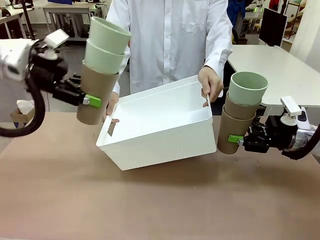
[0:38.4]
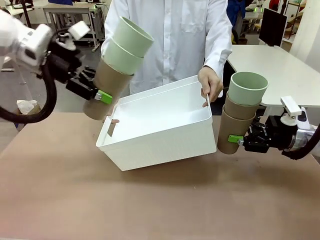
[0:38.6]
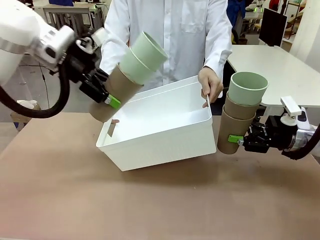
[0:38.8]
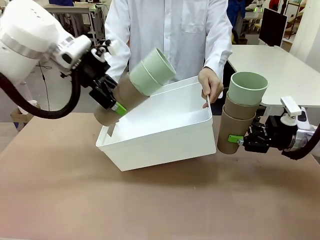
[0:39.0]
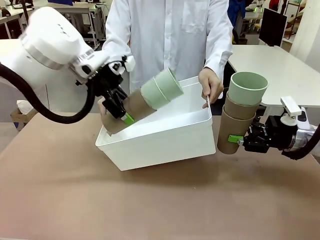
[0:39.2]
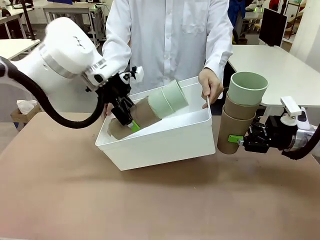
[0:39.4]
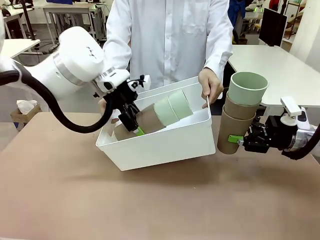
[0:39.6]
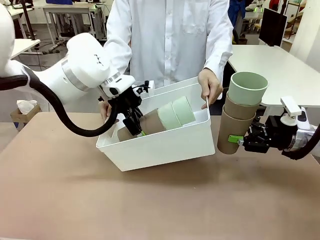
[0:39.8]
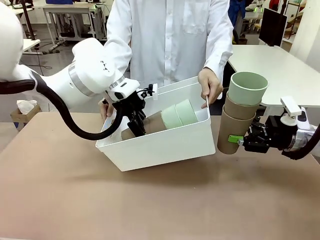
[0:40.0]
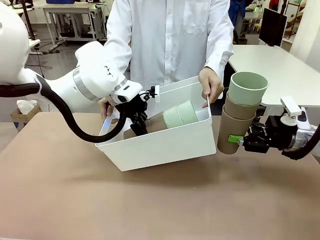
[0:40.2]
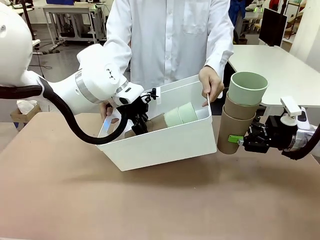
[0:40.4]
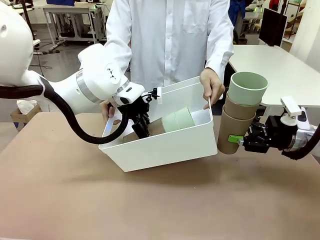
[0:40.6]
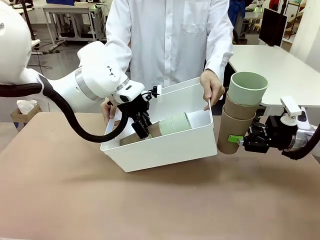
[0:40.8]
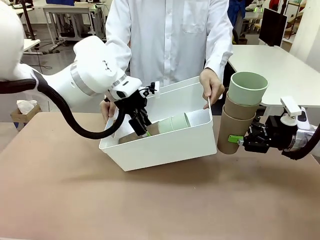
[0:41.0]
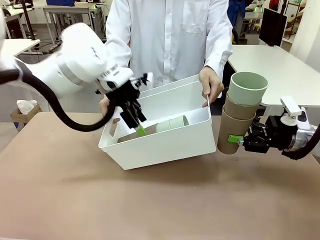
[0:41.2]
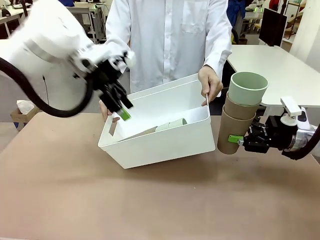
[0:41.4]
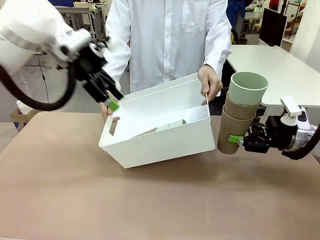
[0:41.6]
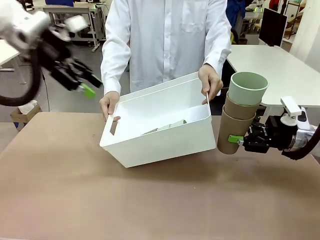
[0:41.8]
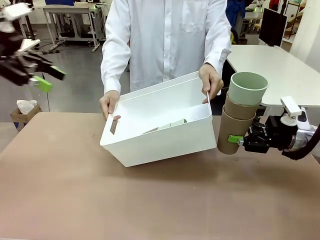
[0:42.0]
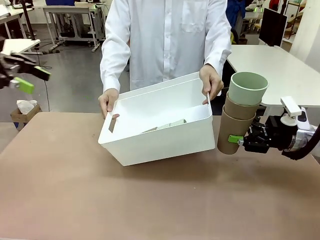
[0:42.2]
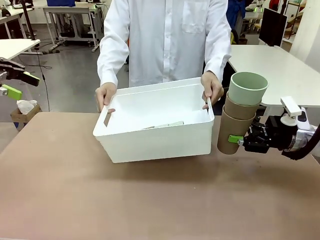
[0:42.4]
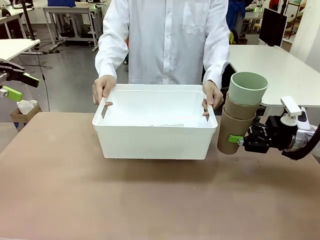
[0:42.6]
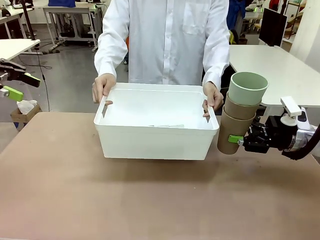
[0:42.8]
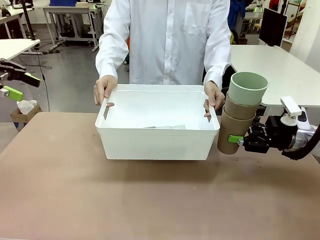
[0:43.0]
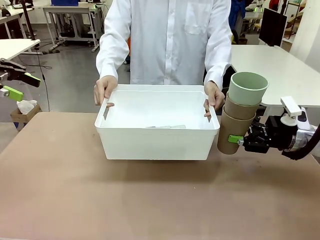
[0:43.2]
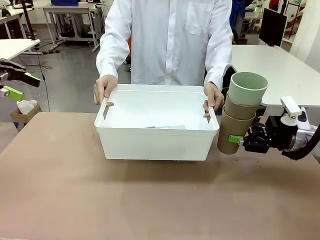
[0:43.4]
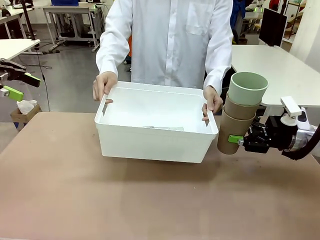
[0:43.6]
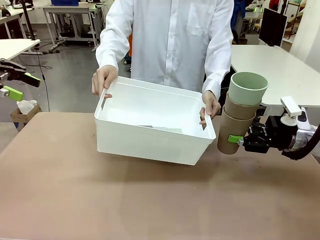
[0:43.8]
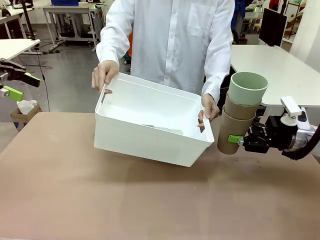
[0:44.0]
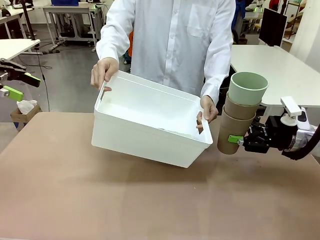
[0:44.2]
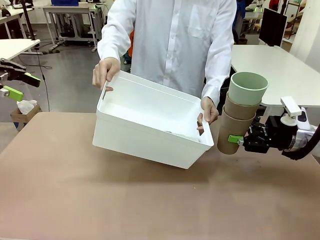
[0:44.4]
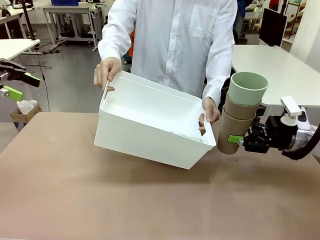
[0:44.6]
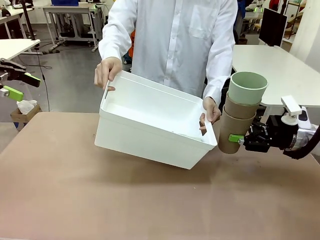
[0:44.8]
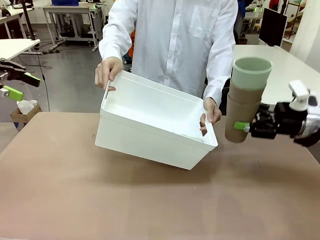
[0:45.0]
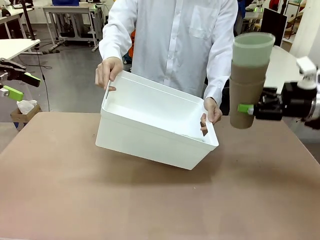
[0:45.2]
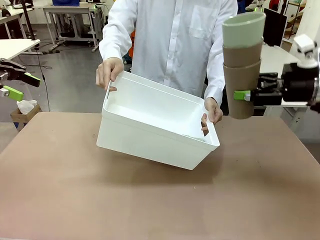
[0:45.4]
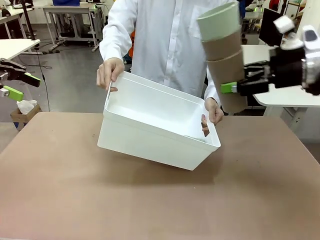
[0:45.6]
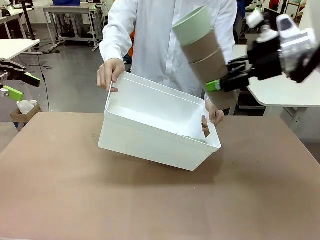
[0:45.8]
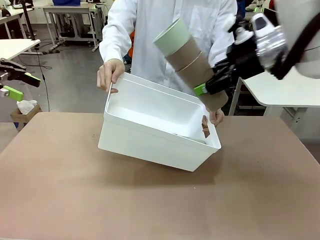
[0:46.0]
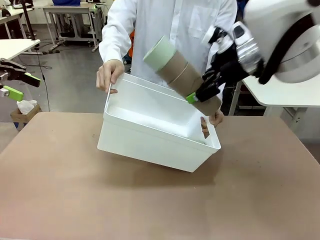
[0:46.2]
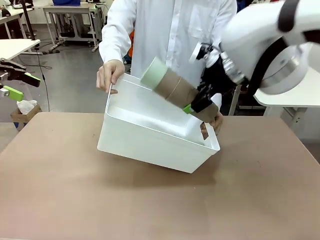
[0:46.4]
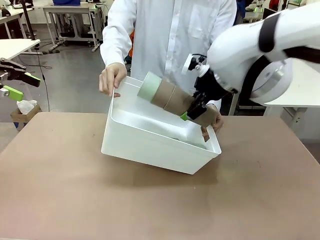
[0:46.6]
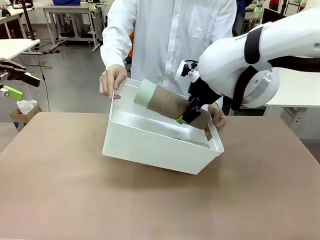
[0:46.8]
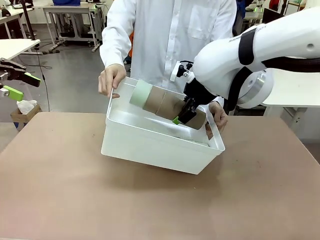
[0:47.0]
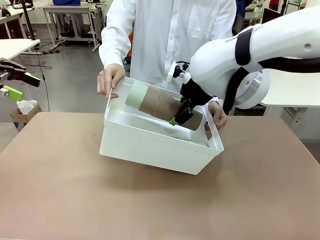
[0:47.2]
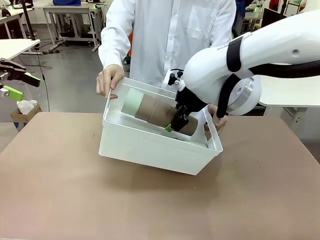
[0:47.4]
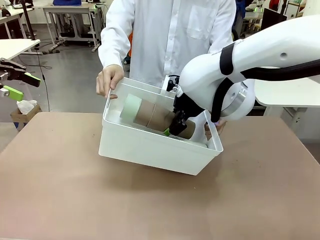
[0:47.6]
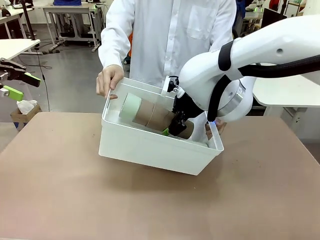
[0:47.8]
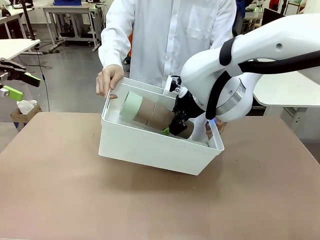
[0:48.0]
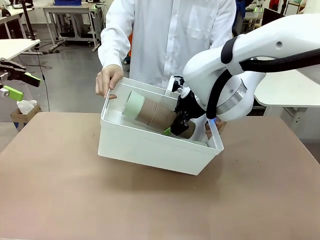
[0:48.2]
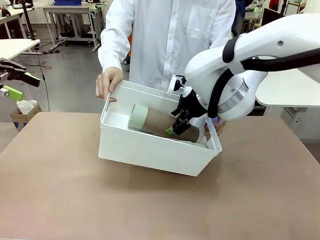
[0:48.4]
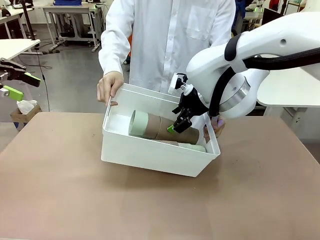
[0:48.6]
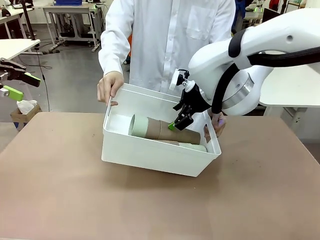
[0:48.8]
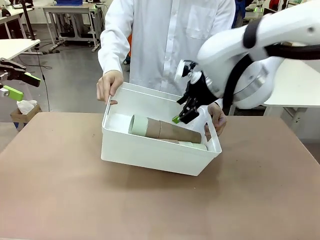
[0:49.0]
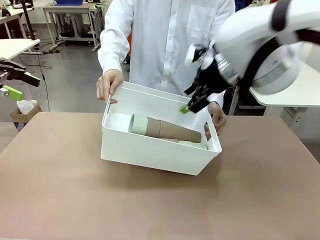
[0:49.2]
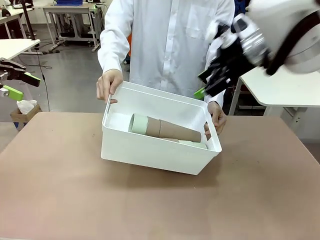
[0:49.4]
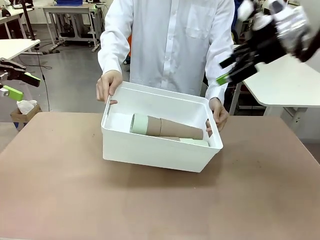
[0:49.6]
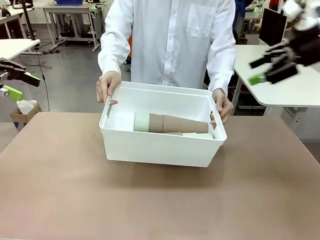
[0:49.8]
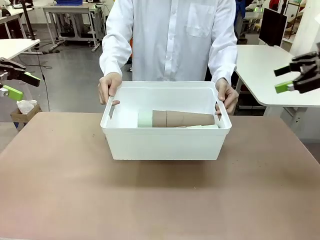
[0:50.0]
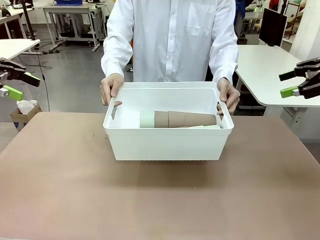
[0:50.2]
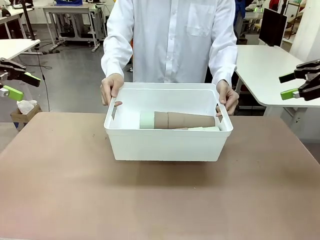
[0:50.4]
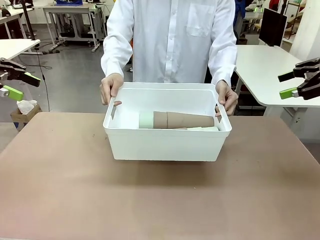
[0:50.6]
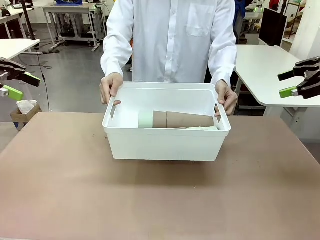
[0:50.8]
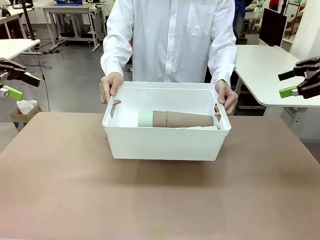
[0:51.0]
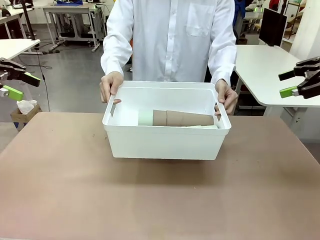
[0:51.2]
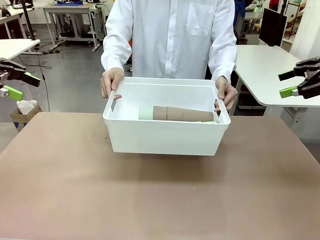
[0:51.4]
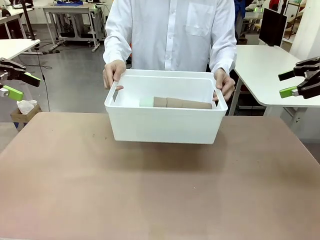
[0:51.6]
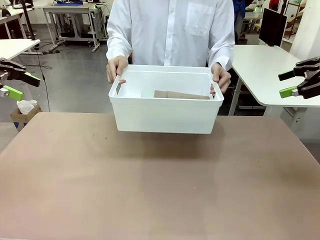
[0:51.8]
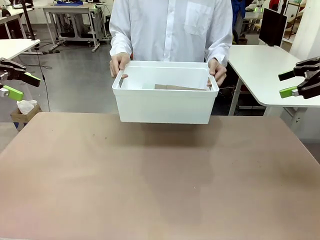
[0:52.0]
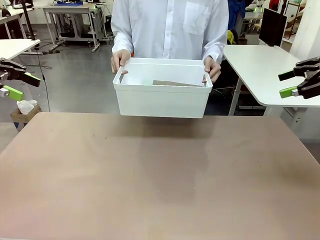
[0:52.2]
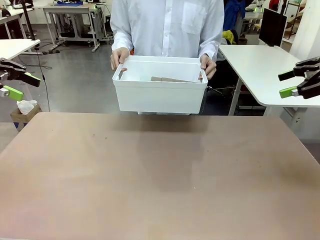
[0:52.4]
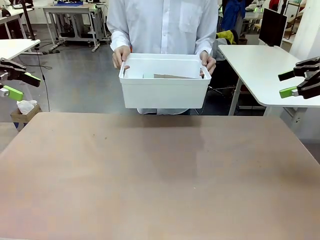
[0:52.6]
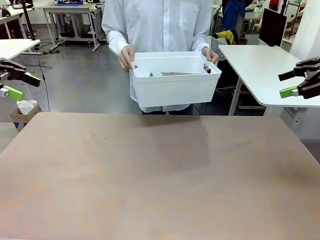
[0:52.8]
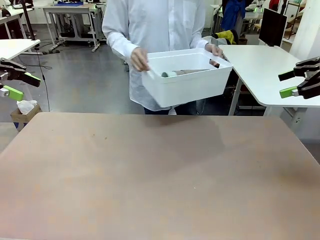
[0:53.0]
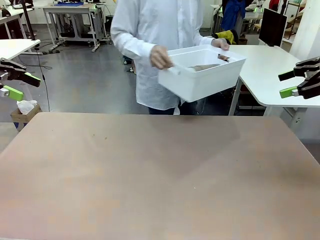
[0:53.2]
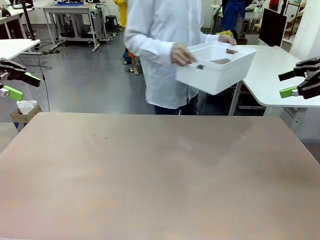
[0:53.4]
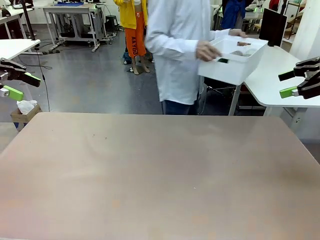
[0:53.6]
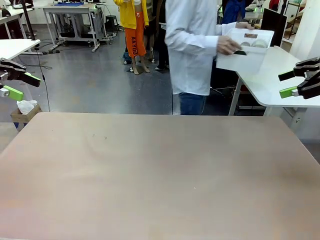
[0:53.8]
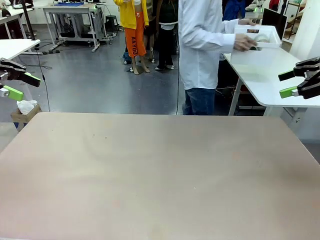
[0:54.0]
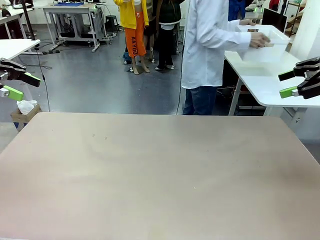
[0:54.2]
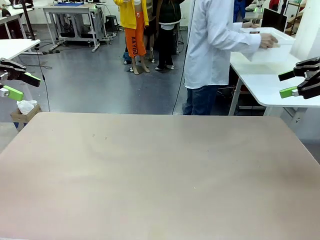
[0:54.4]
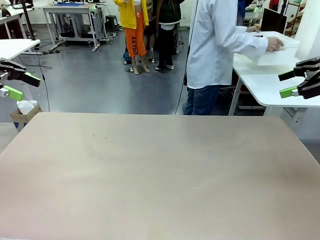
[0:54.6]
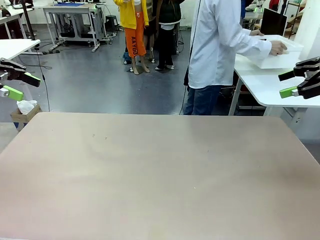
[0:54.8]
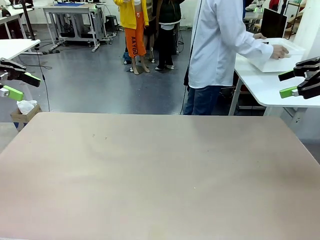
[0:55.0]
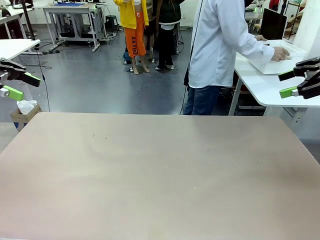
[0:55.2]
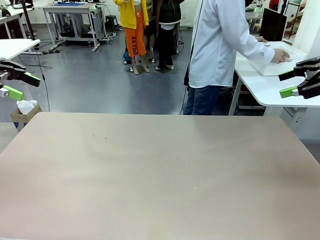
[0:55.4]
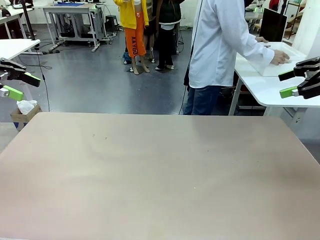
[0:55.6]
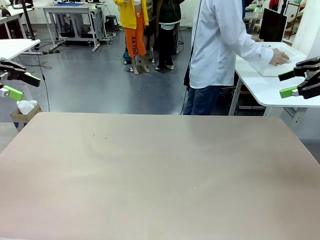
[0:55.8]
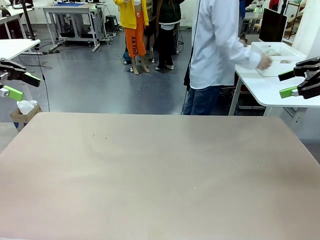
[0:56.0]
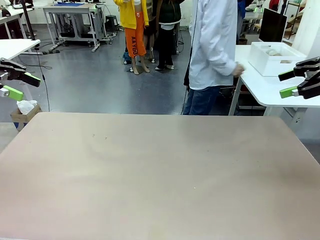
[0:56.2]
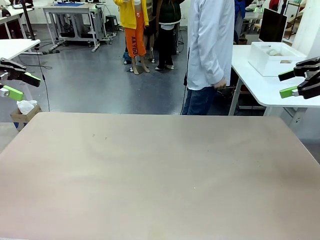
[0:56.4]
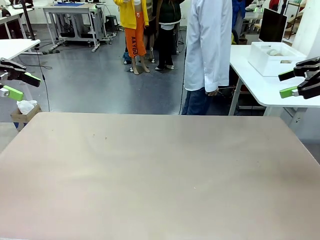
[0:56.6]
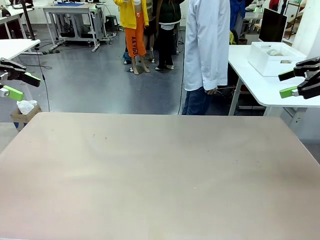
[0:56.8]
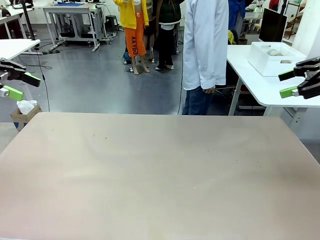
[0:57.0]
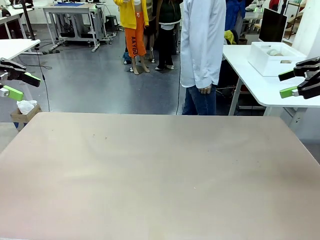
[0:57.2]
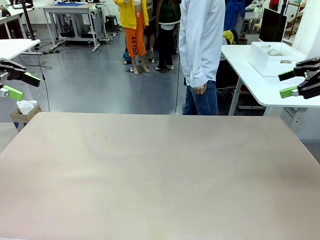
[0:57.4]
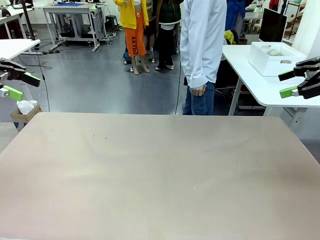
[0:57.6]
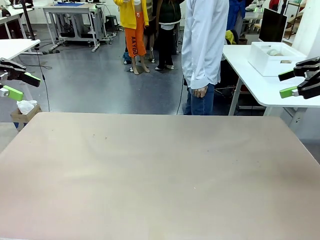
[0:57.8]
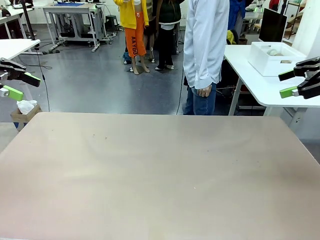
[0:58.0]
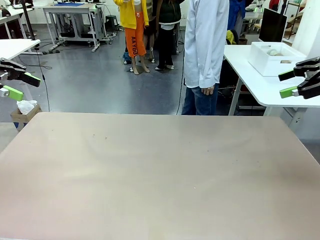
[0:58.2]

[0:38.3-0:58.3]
Task: Stack the cups and store them in the basket.
Robot: Place the stack of Reusable plastic cups into the Pantry Basket.
Person: Place the basket containing the cups in the middle of the Human Table.
